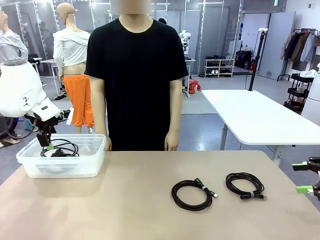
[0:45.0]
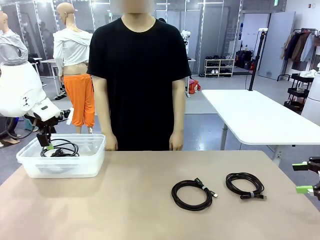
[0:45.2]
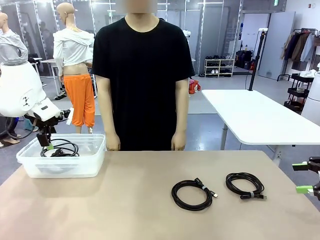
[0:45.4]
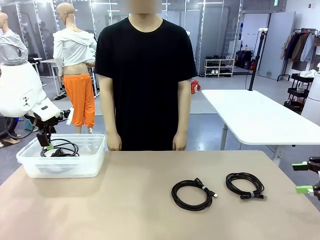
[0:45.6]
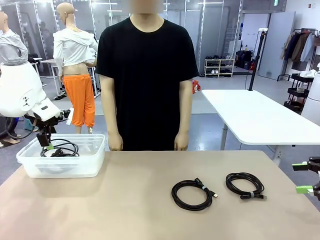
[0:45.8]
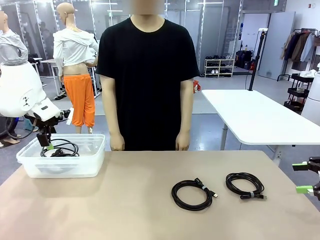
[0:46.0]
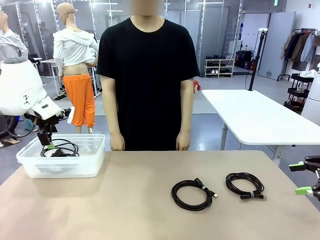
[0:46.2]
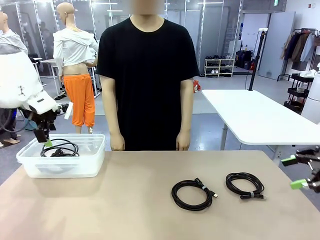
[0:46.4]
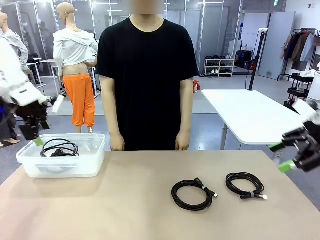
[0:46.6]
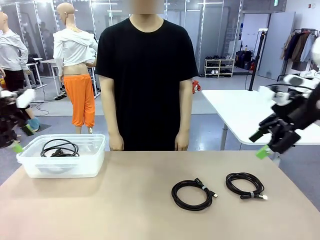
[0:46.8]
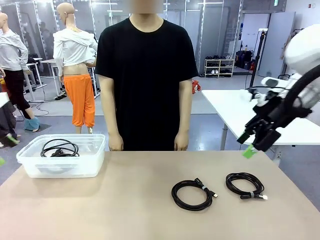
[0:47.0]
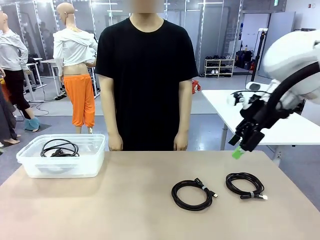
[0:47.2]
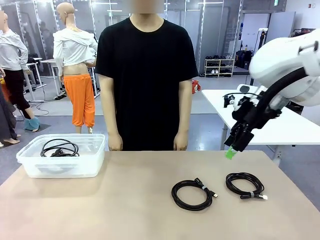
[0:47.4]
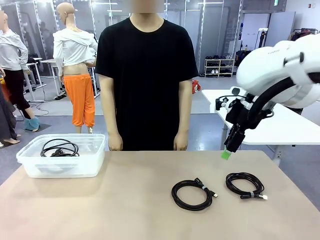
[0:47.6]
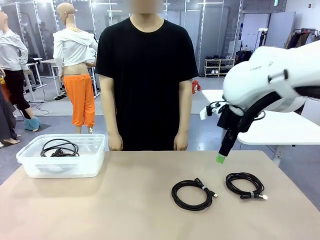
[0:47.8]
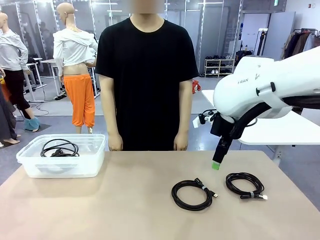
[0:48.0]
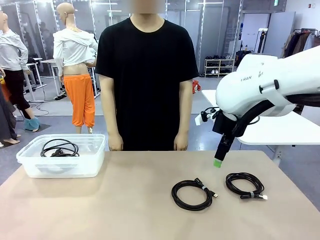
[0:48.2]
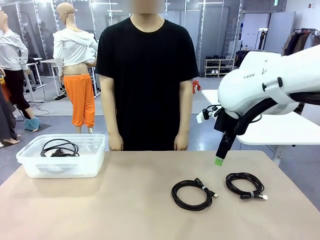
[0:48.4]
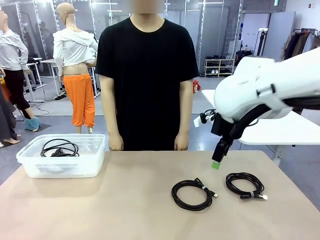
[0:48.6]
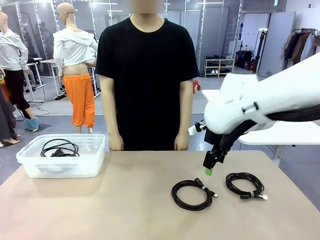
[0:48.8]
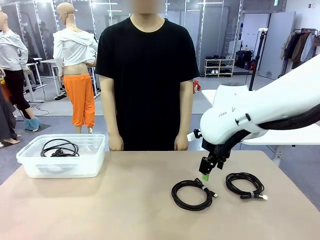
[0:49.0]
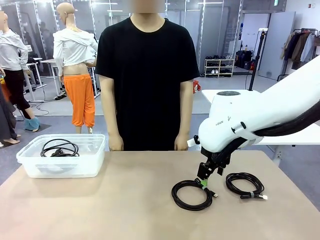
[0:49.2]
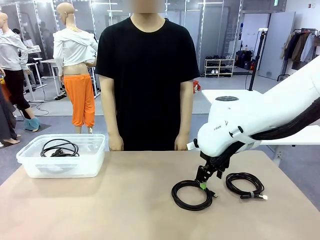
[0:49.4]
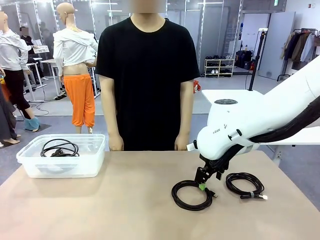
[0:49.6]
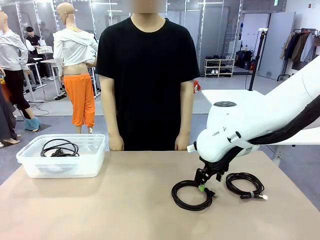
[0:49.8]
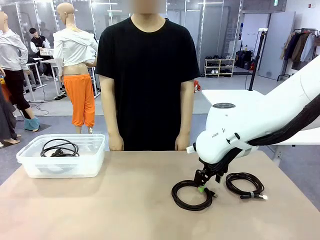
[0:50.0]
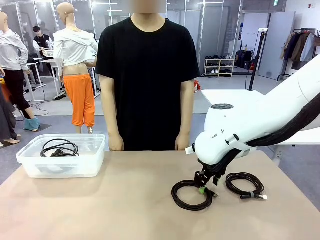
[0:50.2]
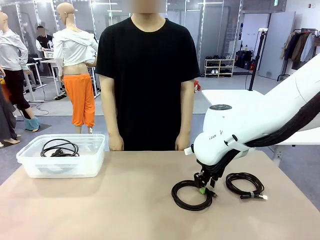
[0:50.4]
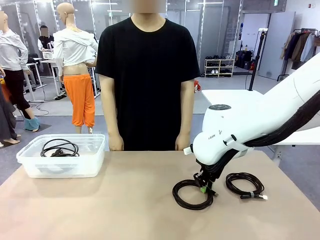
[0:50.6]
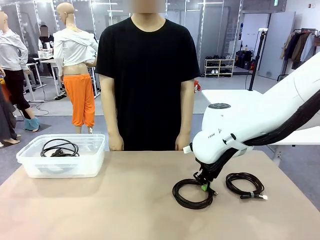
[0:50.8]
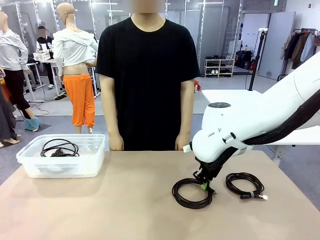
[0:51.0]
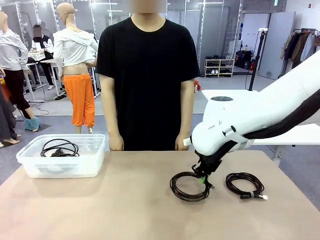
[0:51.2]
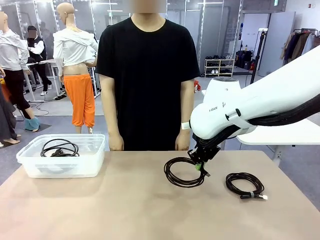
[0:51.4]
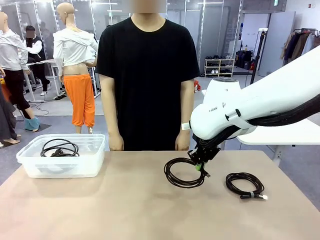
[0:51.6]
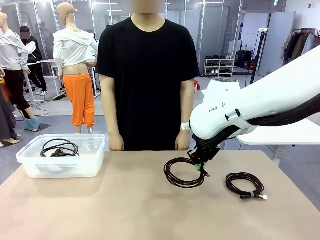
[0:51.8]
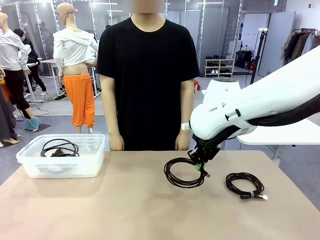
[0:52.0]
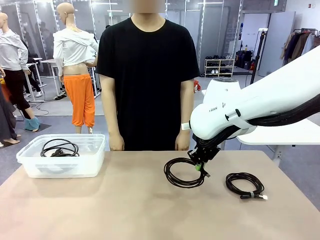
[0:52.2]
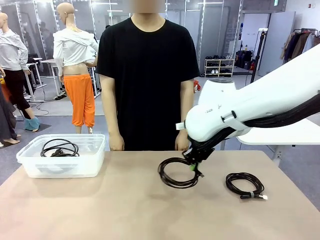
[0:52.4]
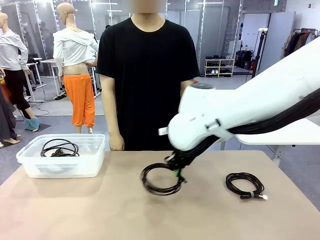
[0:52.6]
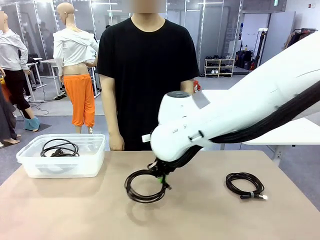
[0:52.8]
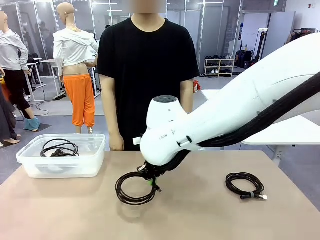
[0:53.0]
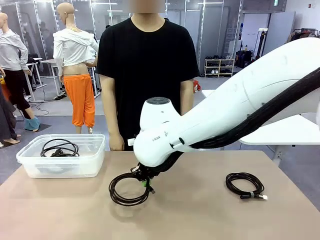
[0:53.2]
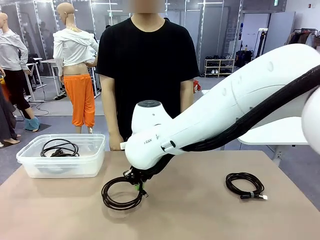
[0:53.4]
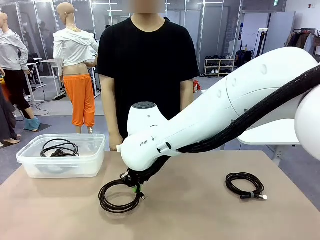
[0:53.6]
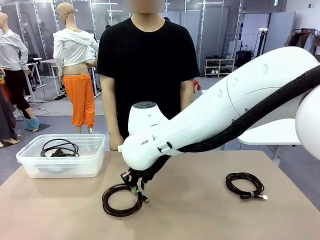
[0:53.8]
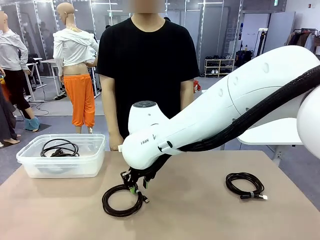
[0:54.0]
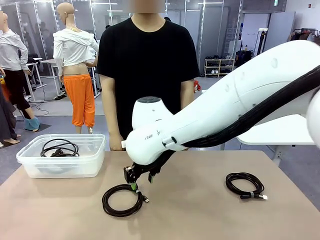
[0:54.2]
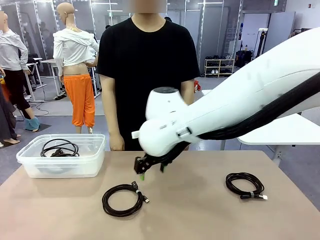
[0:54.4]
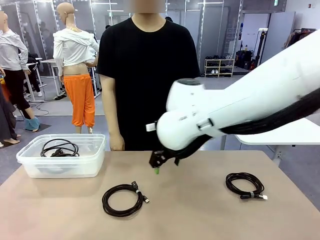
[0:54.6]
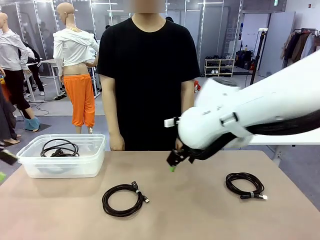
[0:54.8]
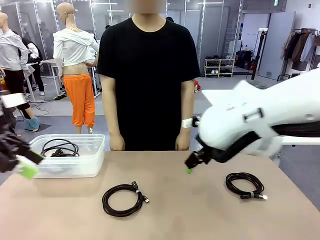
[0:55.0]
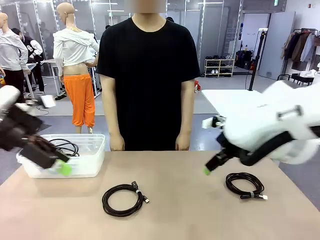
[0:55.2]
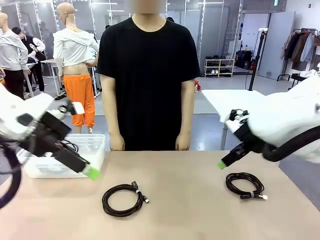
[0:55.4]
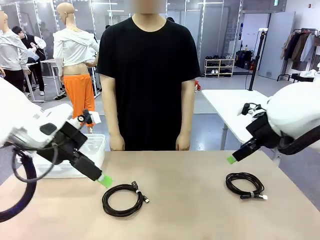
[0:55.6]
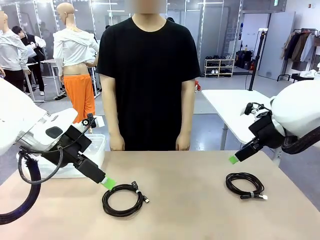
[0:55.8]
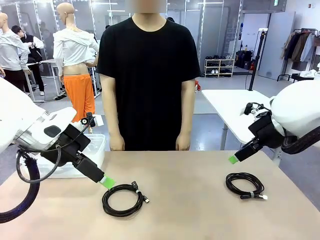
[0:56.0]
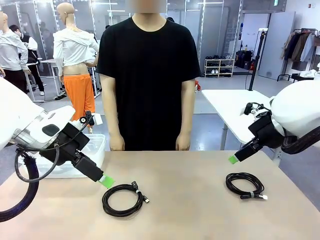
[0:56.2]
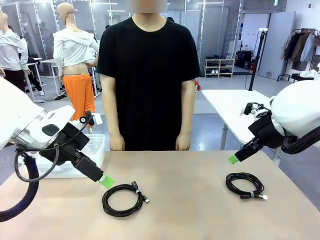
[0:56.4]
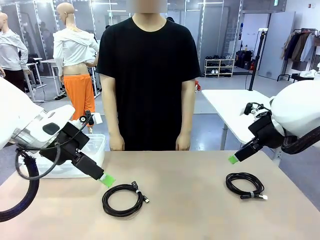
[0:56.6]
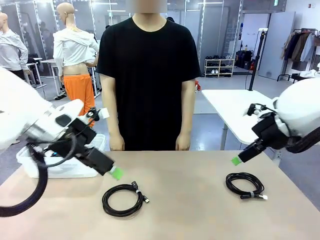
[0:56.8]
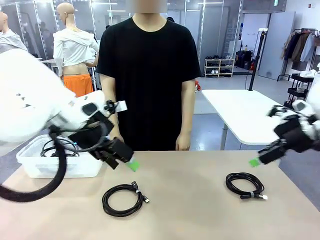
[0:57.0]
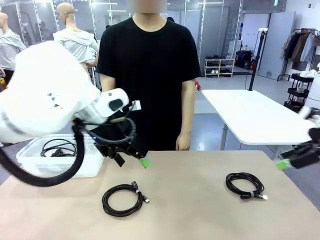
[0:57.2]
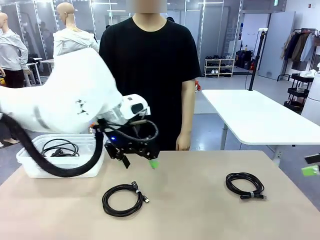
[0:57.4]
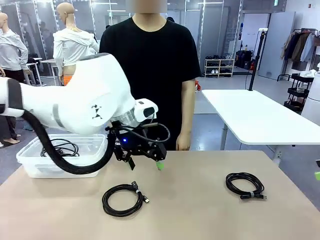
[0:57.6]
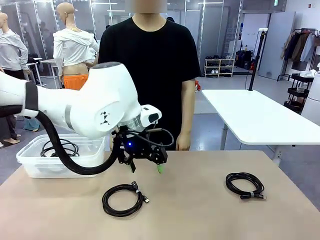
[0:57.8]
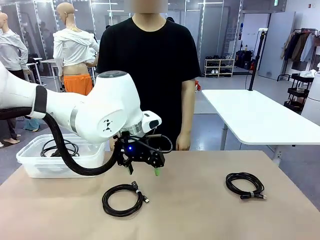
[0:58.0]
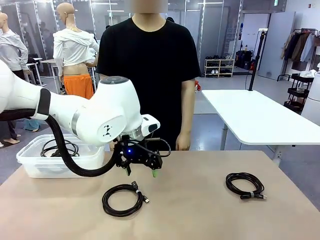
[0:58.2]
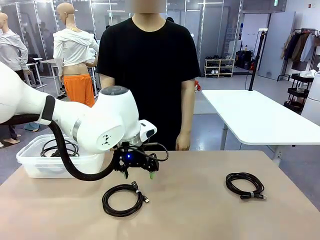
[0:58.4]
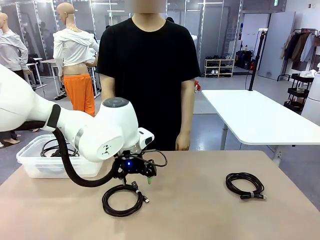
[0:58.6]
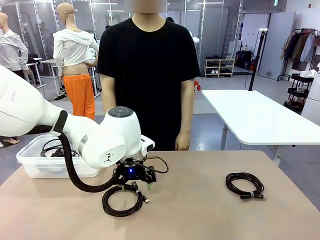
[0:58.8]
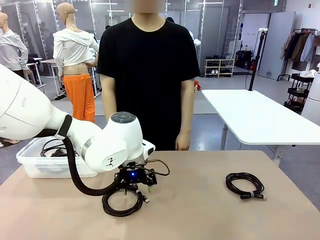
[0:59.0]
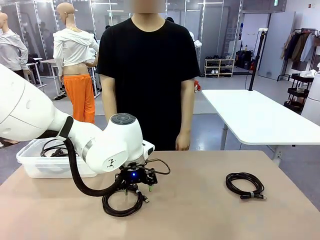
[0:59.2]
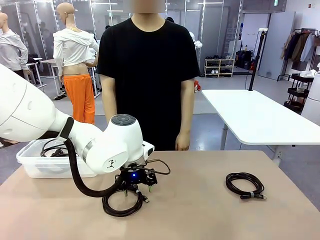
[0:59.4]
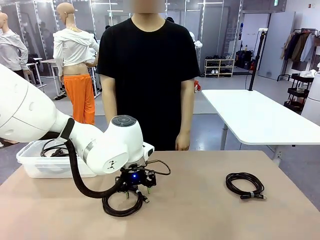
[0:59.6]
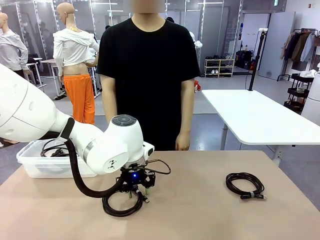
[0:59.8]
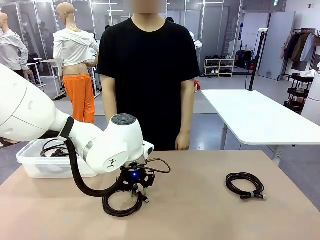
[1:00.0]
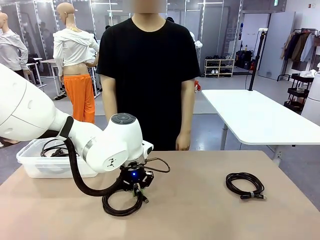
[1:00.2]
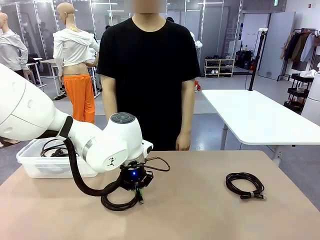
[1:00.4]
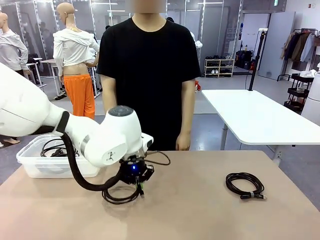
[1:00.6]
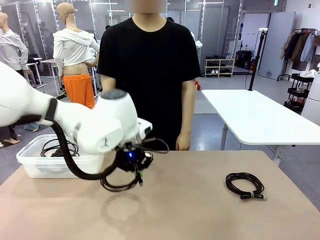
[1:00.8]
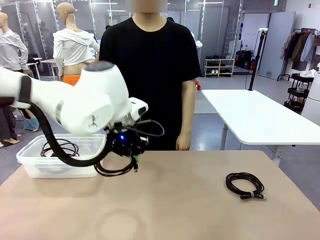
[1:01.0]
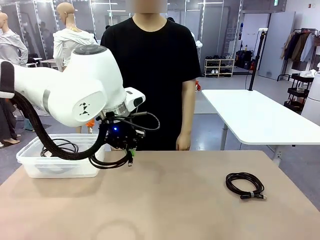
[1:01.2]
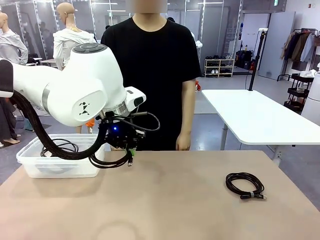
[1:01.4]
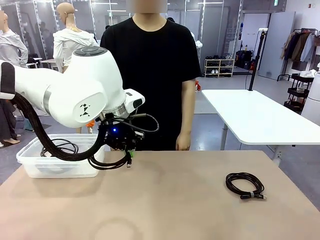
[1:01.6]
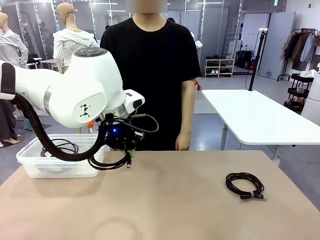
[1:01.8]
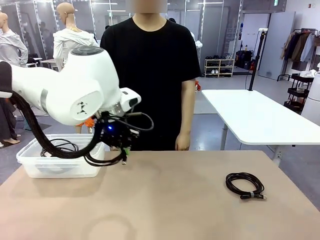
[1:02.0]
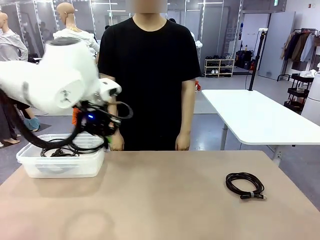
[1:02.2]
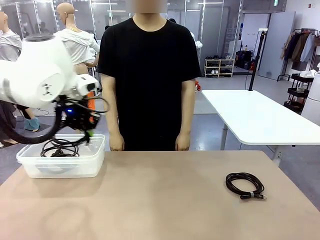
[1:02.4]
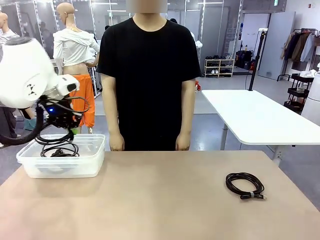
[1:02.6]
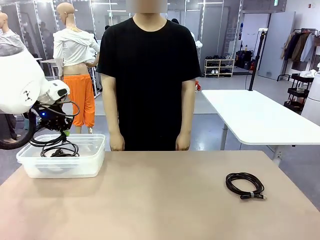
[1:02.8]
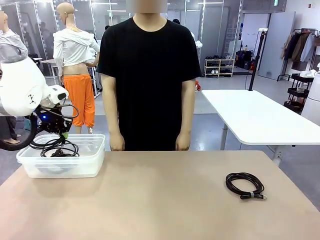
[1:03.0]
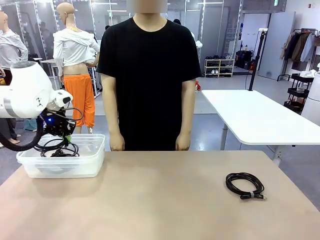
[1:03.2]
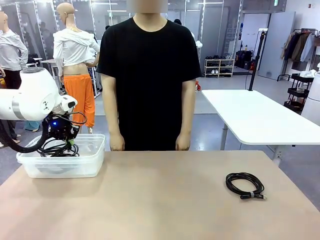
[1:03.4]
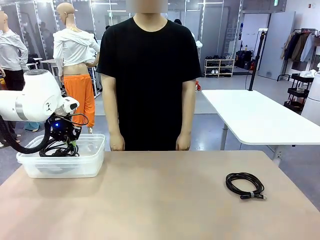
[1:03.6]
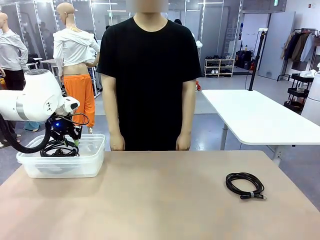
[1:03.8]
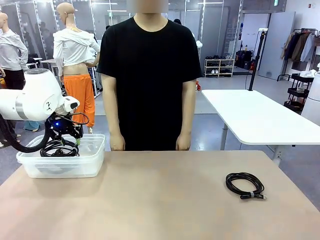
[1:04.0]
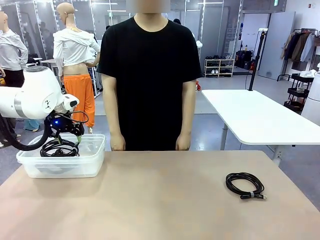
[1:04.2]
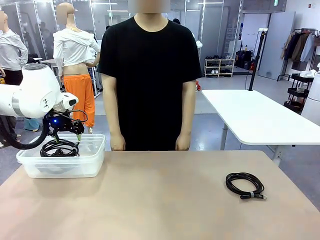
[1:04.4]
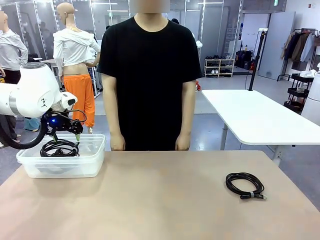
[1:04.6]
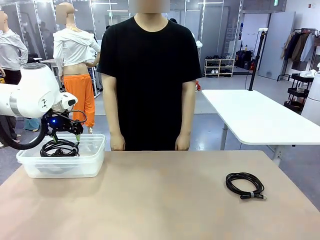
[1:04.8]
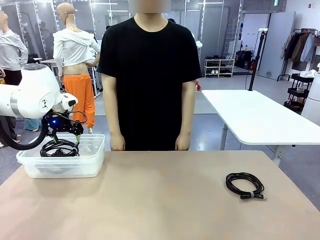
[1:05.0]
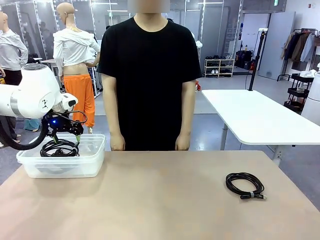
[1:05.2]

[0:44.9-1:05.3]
Task: Organize and store the cables.
Robot: Place the USB Extension Cable into the Organizing box.
